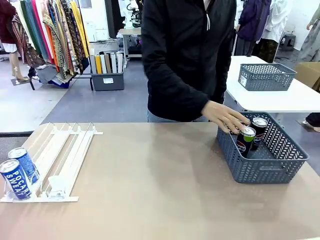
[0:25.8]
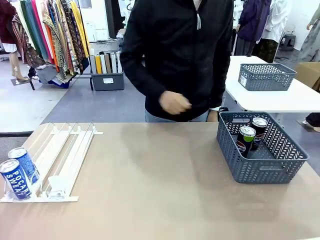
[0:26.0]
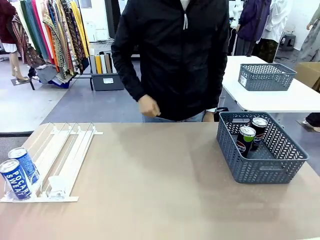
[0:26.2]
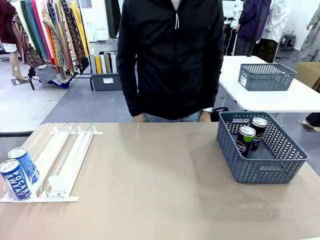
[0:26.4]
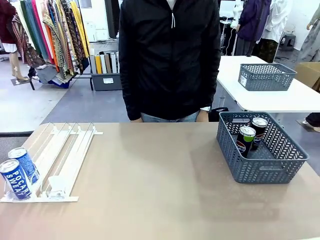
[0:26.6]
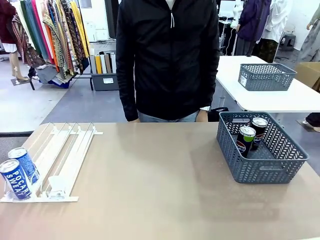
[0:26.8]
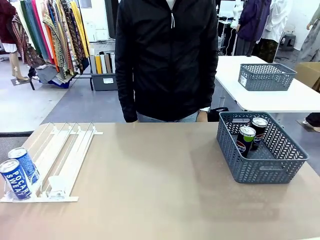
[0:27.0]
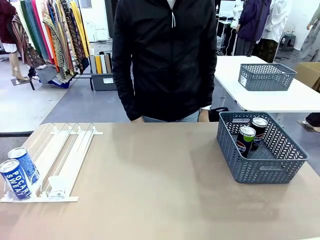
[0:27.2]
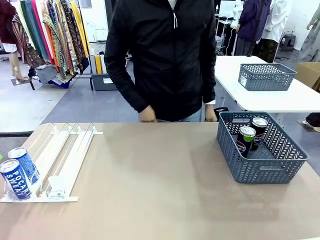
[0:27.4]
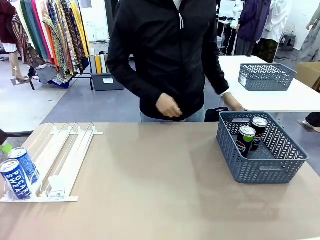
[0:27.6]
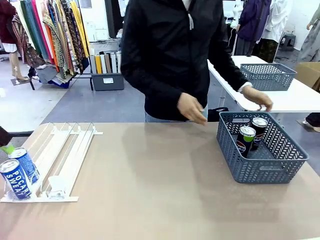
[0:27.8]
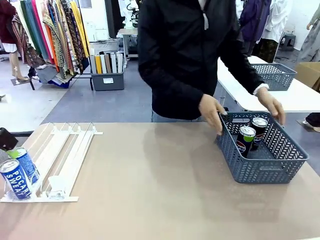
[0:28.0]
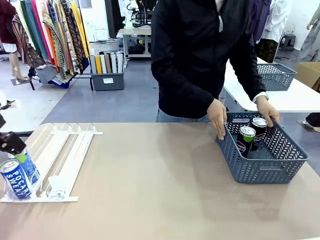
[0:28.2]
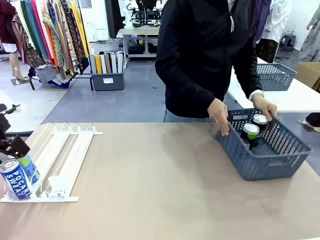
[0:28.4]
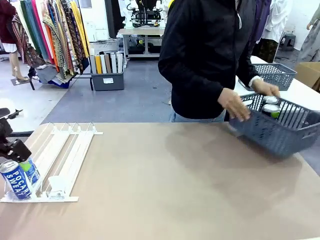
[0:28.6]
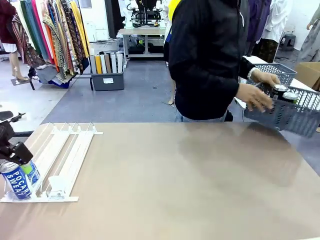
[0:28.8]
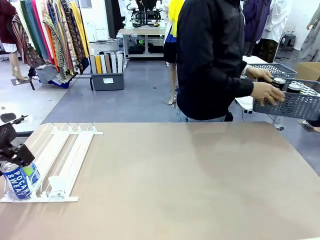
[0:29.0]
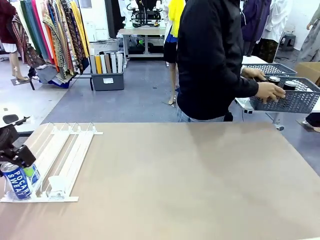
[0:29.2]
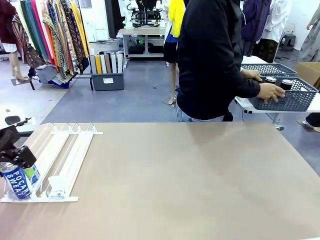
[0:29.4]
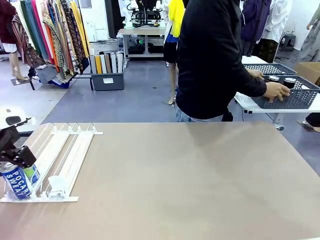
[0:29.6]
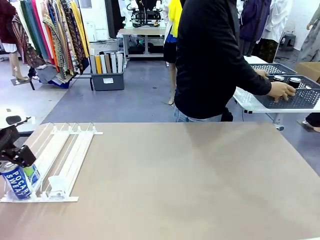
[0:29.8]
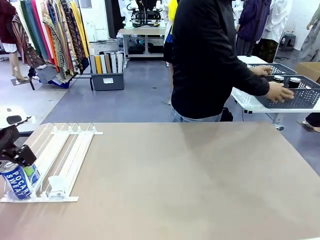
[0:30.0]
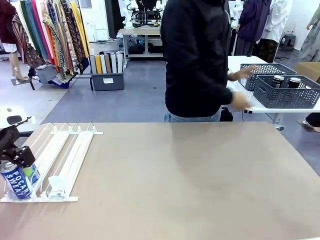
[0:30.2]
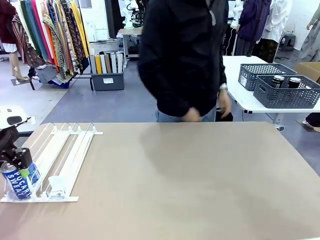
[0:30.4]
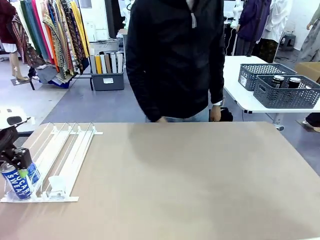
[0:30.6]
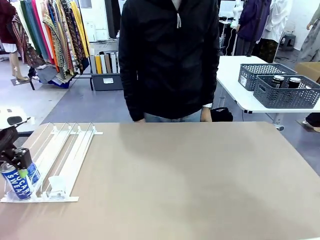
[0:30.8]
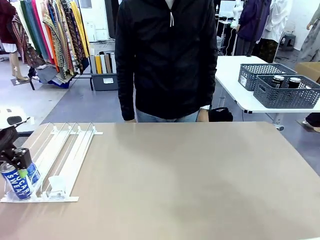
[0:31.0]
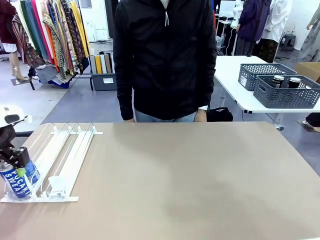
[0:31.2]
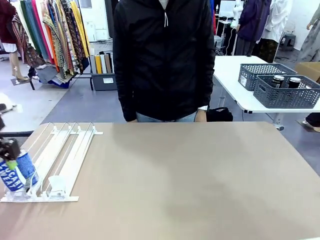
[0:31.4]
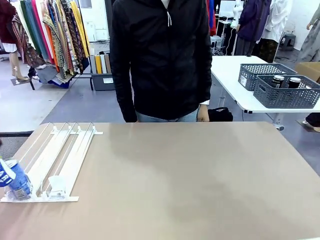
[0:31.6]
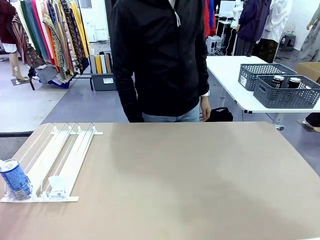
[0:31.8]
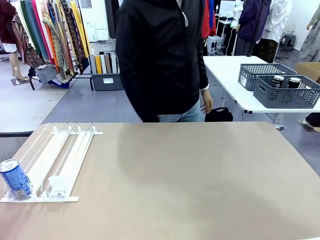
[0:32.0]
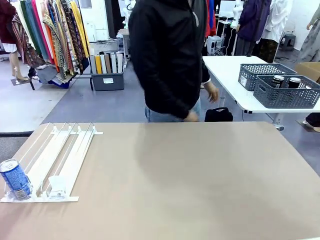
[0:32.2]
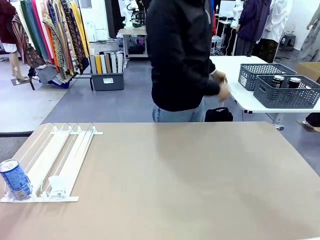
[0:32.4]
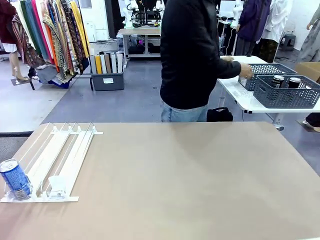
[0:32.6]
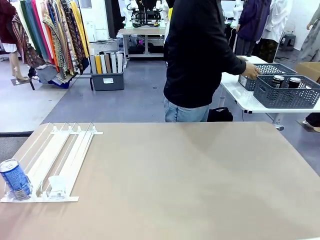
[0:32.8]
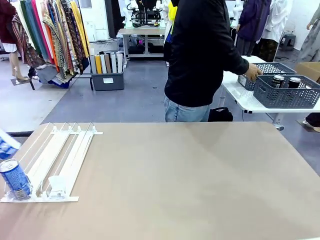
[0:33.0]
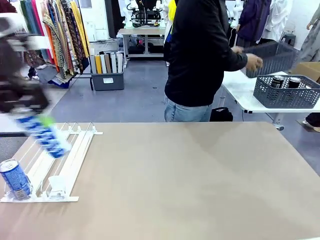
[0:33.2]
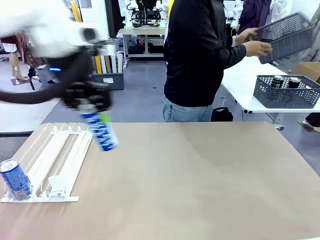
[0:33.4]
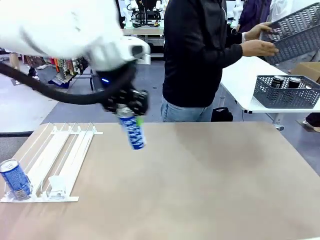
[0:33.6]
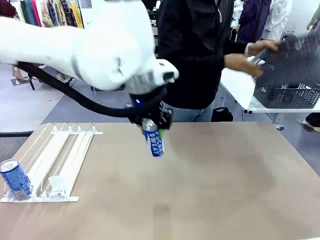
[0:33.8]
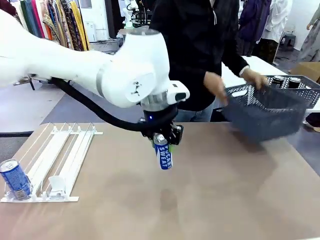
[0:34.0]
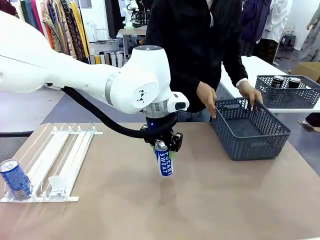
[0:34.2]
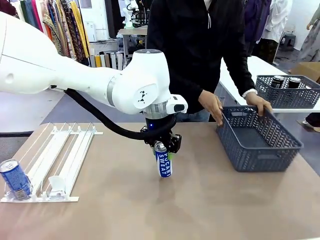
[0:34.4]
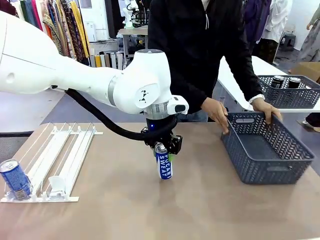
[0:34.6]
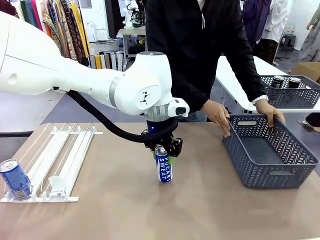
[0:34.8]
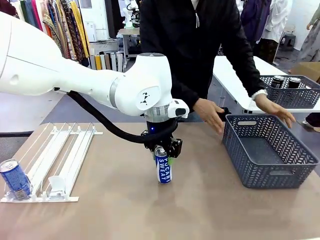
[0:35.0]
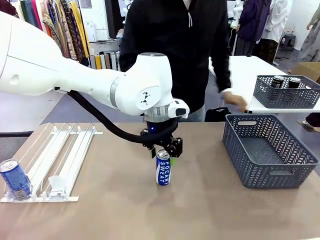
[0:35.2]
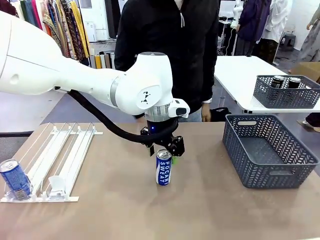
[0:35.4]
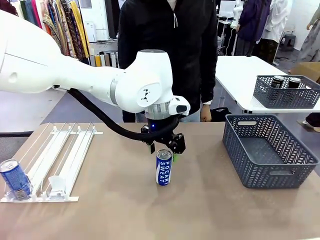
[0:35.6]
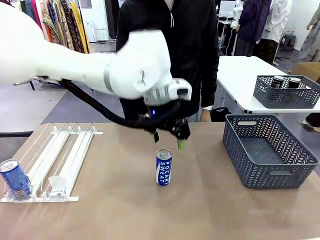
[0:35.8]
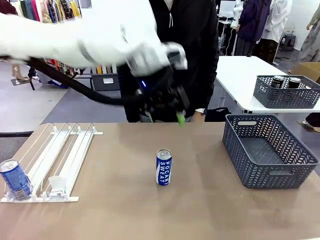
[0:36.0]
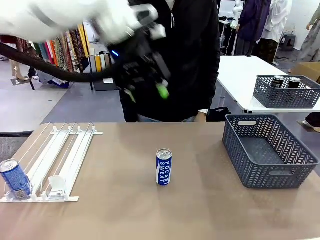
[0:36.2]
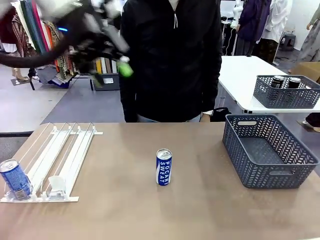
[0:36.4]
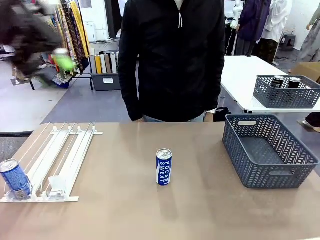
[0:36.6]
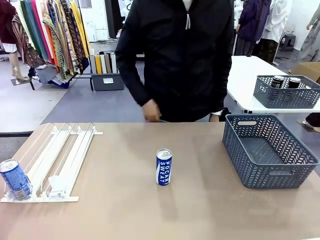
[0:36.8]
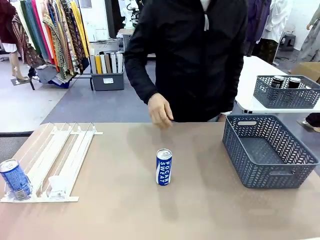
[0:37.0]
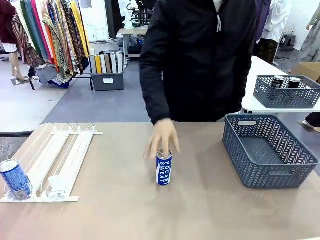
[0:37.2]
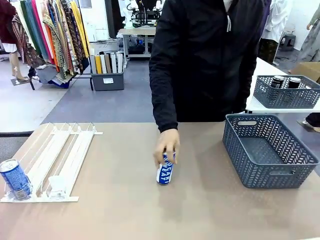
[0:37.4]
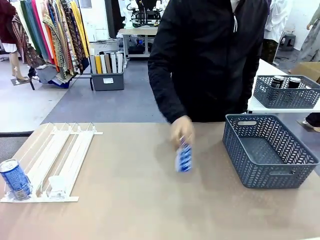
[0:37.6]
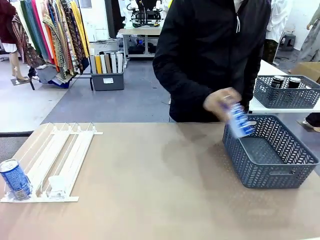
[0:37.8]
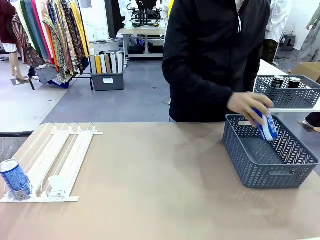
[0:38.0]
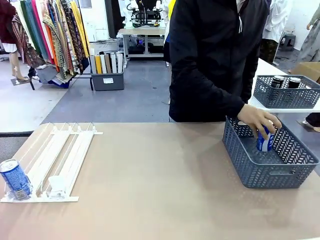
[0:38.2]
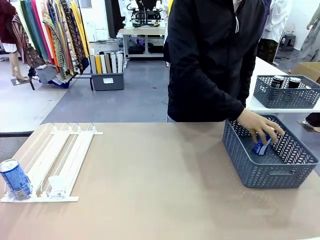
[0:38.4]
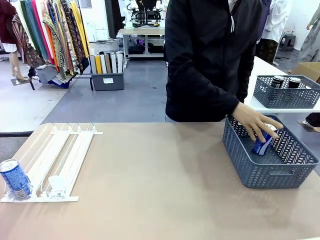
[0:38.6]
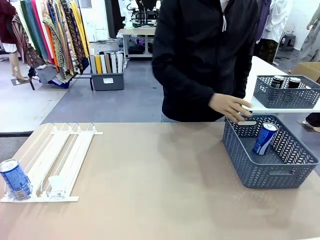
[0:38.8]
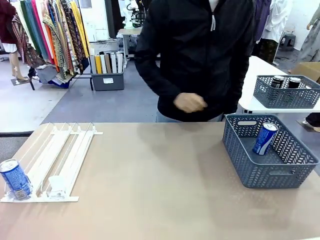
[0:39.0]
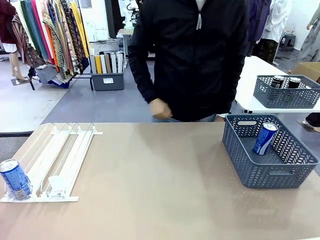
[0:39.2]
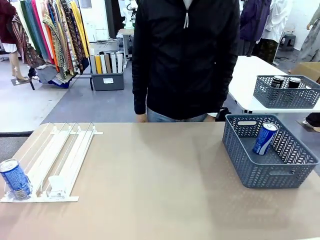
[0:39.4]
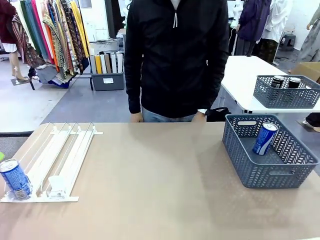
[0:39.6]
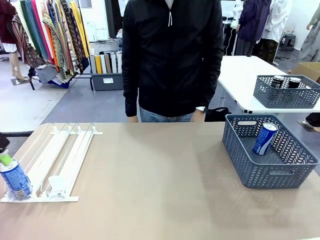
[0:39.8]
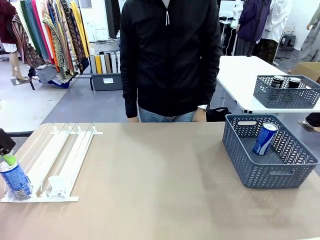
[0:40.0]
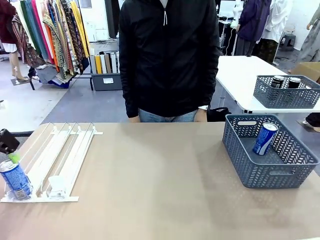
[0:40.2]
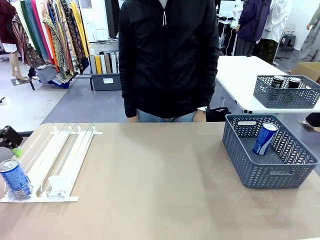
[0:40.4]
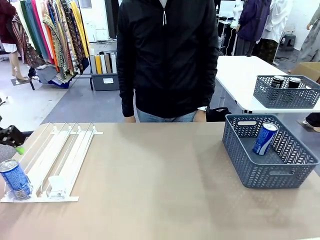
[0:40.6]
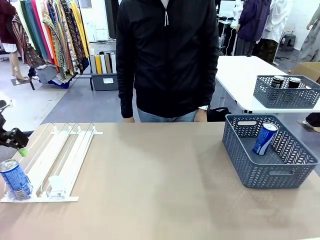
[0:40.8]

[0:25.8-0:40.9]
Task: Retrieve and store the cans from the dispenser.
Robot: Pick up one can from the Automatic Can Dispenser and place it in the middle of the table.
Person: Pick up the basket and place it in the middle of the human table. Pick up the empty basket and place it on the left side of the robot table.
